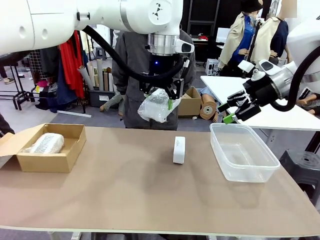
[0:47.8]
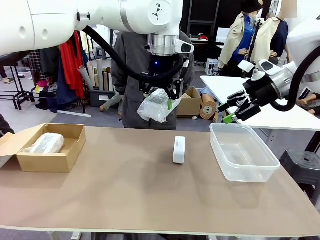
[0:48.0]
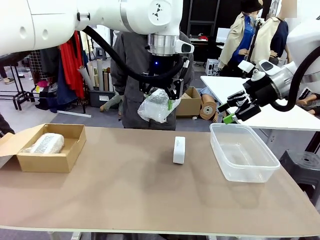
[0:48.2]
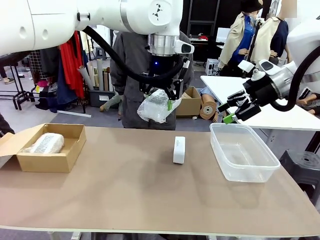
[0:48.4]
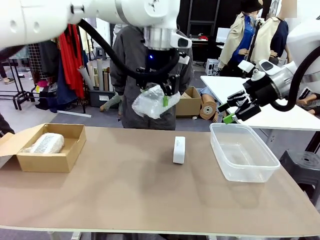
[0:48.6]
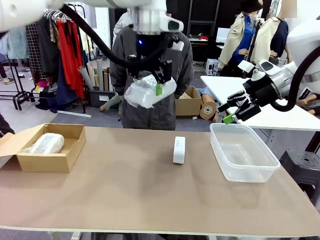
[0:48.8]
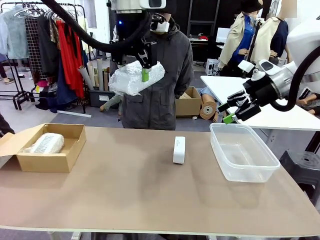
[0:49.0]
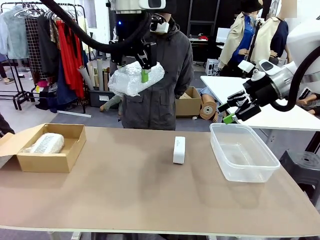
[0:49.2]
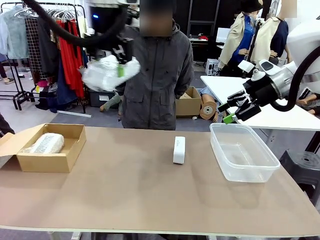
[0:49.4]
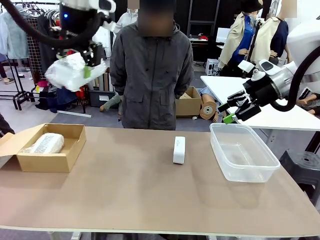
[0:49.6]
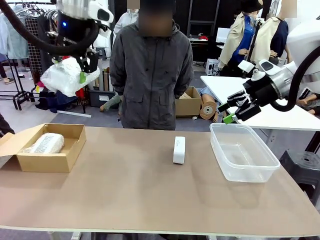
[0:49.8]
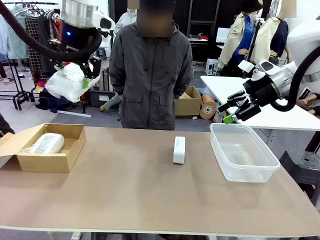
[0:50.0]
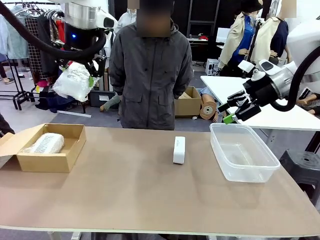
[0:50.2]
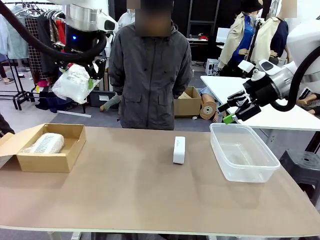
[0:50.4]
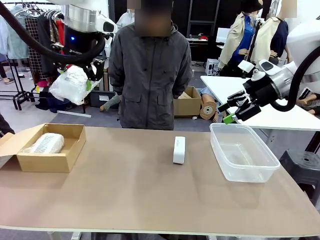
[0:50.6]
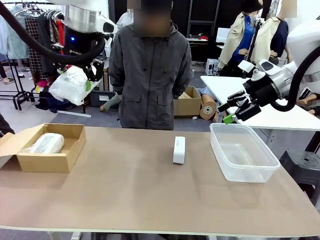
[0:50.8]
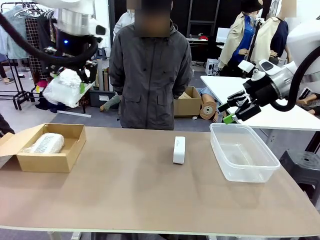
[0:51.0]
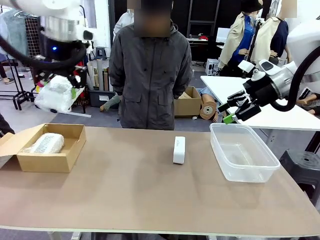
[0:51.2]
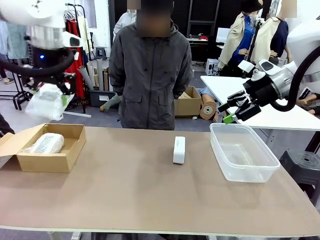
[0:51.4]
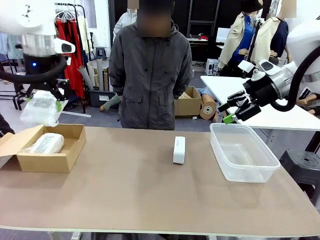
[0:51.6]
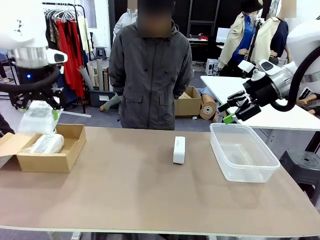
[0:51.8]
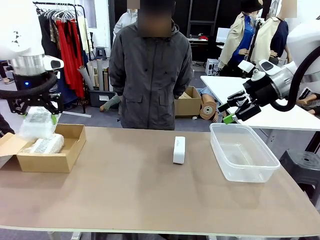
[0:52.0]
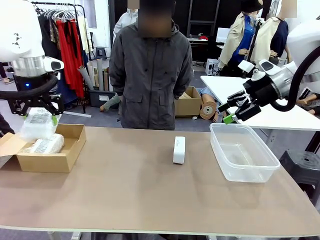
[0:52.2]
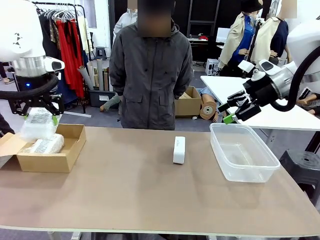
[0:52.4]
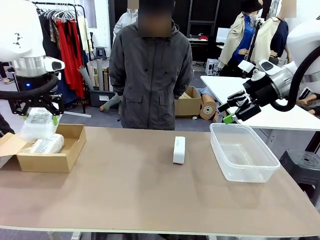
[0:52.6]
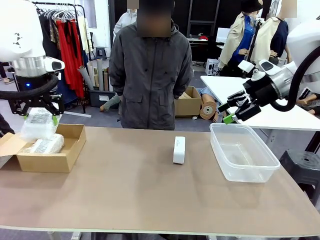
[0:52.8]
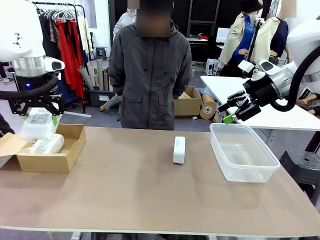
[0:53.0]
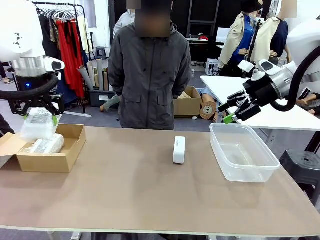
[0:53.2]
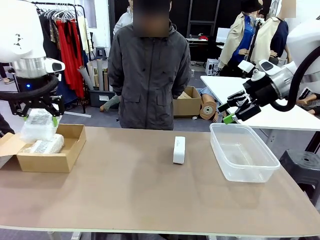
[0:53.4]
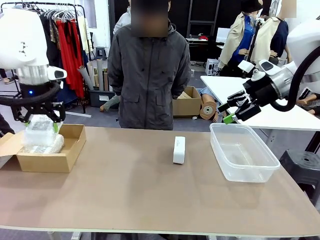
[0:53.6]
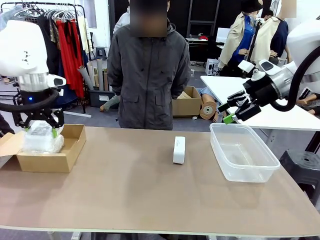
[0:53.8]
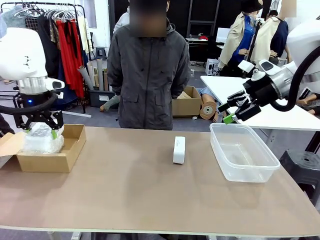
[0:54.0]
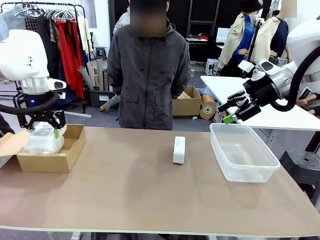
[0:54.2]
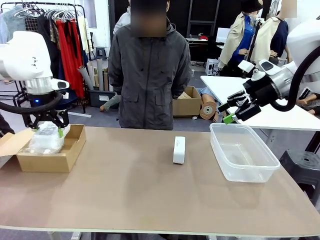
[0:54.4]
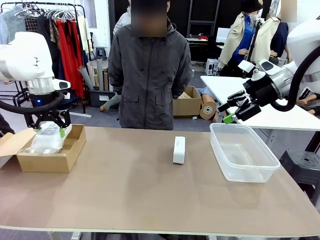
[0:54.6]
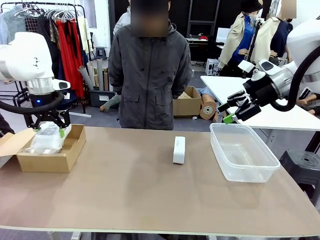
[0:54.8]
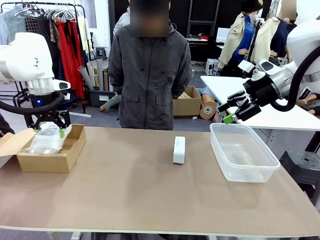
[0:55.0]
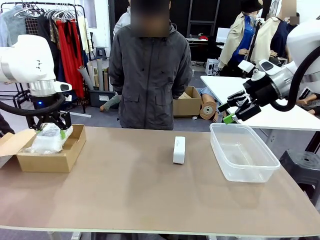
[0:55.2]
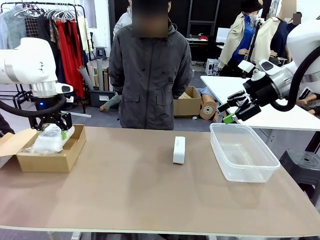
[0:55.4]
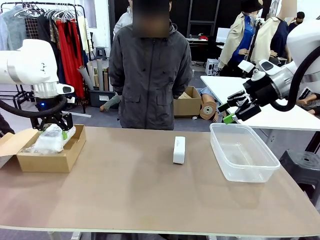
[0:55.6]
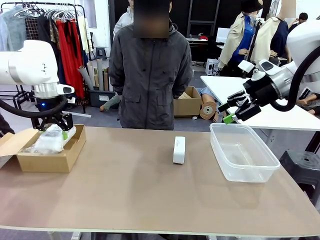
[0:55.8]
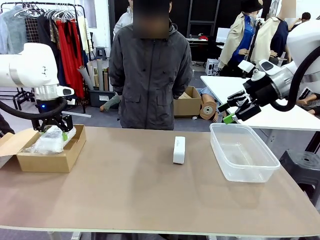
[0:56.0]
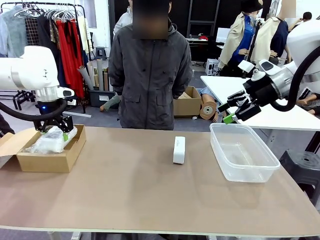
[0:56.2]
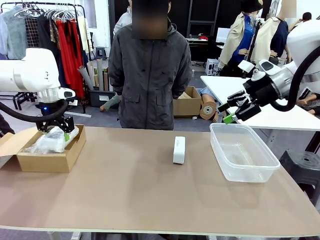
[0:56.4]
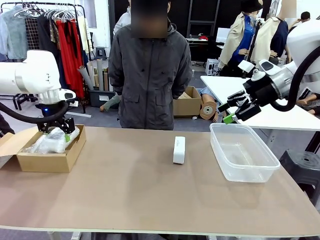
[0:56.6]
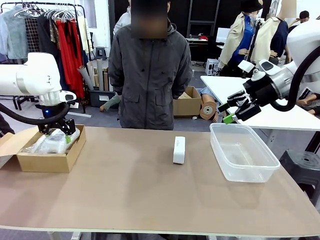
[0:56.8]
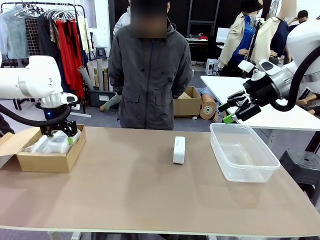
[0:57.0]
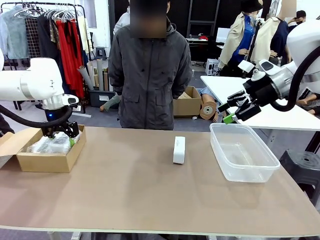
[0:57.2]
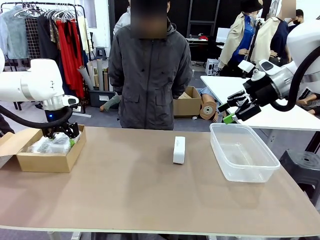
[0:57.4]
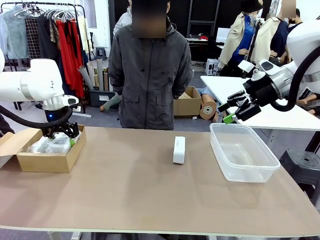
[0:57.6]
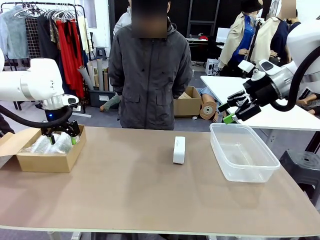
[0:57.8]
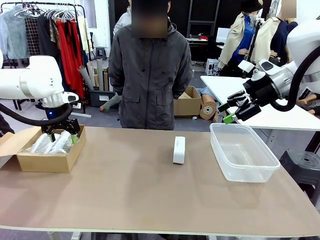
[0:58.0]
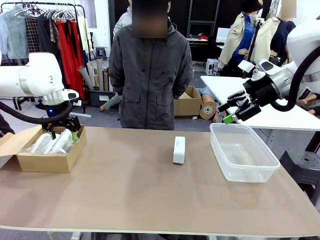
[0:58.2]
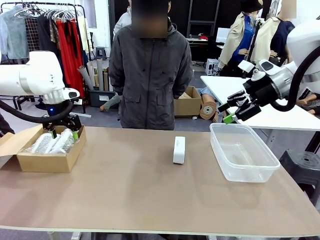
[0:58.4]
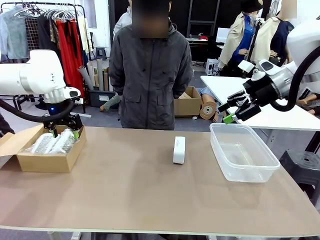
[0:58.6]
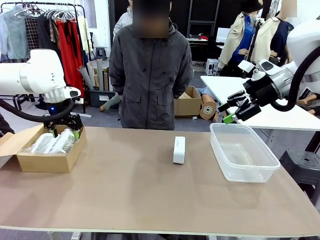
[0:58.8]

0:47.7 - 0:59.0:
Task: Separate and place wrapped and unwrapped clocks.
Robot: If the picked Digital clock is wrapped, place it in the Package Box ; if not, place it in the Organizing box.

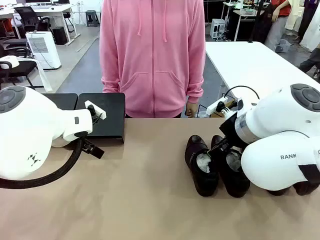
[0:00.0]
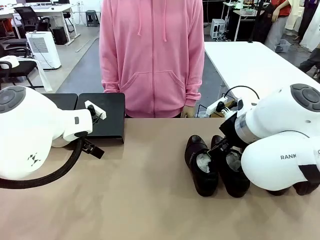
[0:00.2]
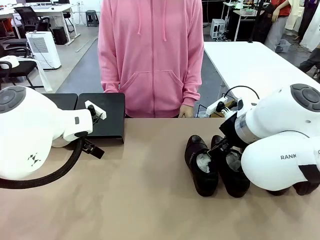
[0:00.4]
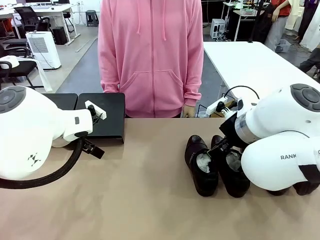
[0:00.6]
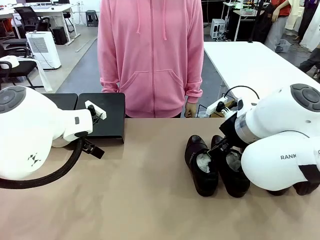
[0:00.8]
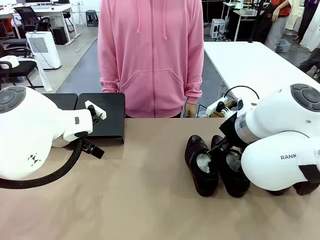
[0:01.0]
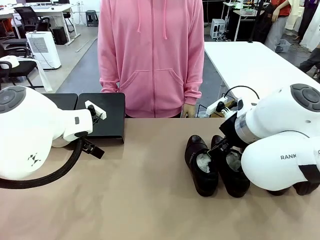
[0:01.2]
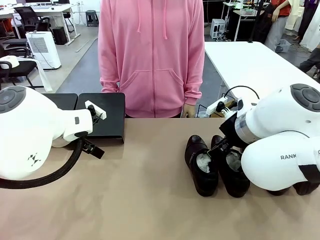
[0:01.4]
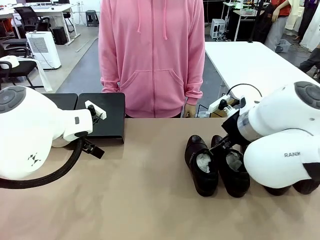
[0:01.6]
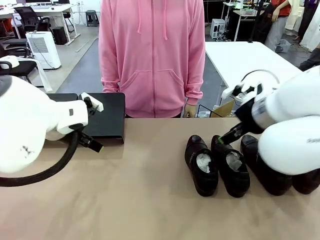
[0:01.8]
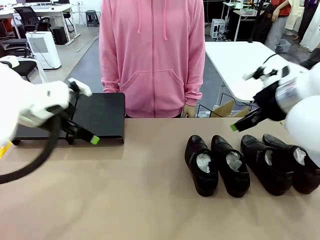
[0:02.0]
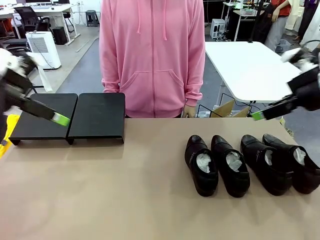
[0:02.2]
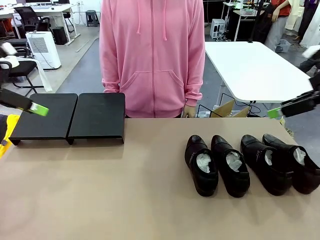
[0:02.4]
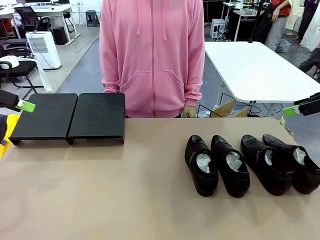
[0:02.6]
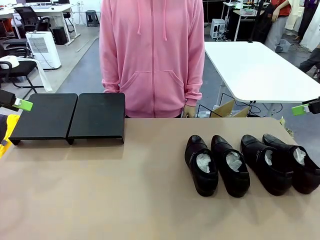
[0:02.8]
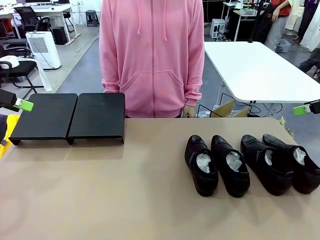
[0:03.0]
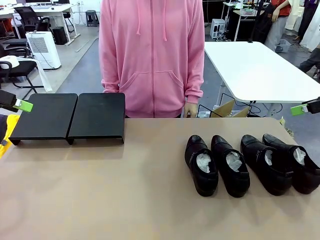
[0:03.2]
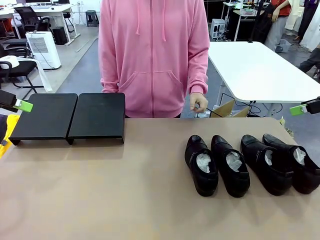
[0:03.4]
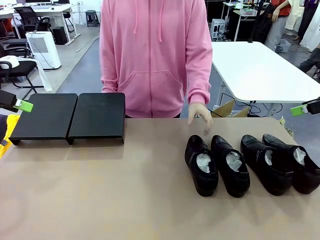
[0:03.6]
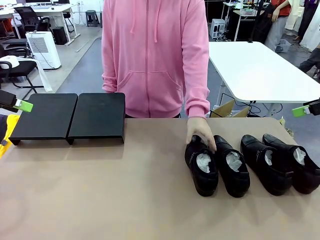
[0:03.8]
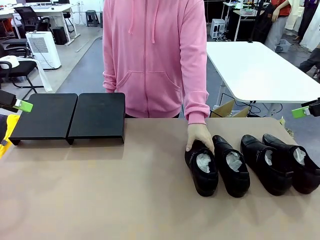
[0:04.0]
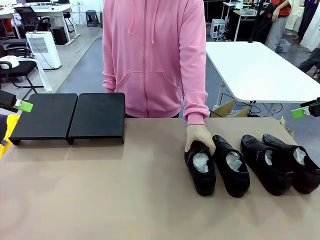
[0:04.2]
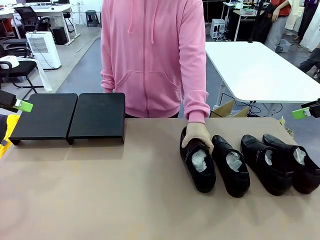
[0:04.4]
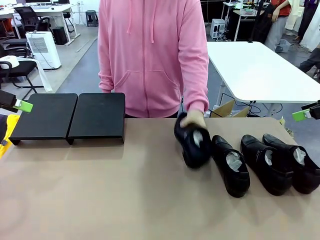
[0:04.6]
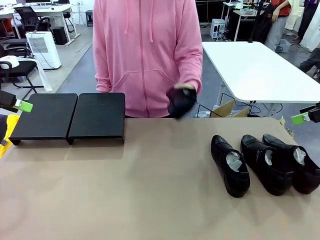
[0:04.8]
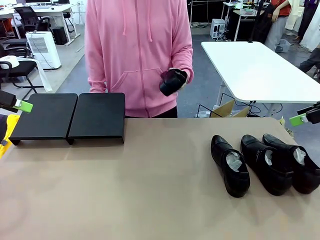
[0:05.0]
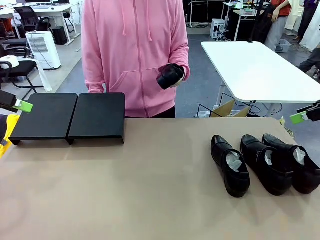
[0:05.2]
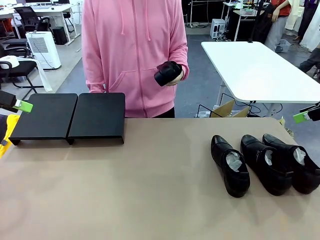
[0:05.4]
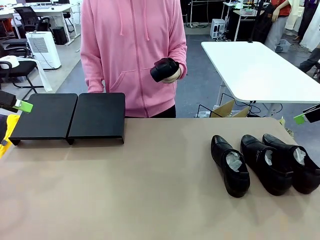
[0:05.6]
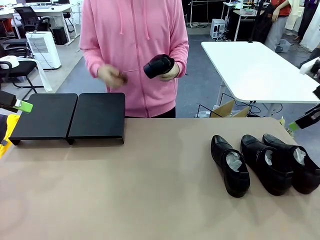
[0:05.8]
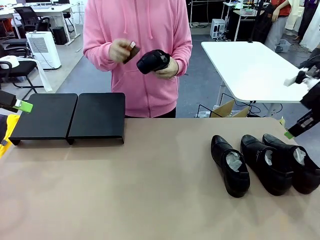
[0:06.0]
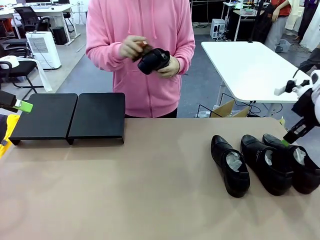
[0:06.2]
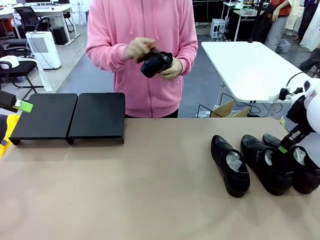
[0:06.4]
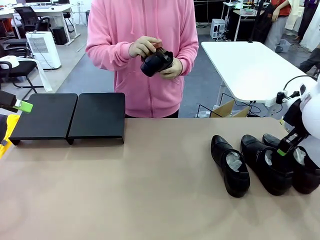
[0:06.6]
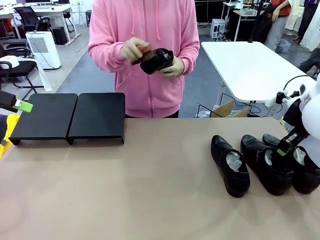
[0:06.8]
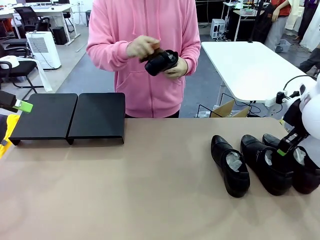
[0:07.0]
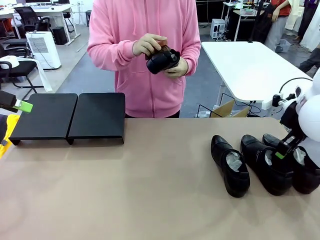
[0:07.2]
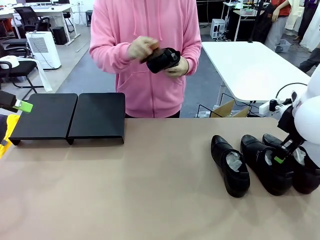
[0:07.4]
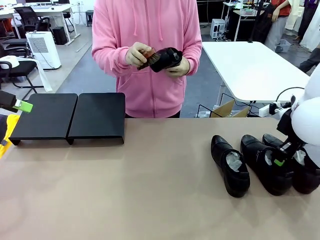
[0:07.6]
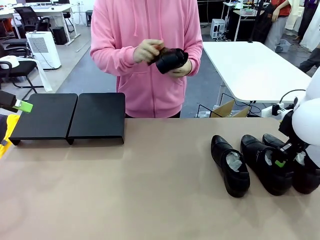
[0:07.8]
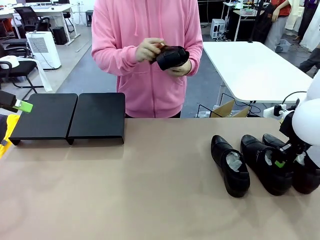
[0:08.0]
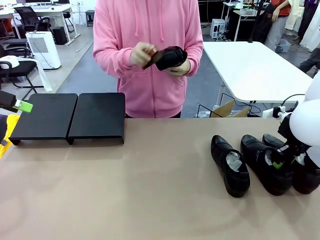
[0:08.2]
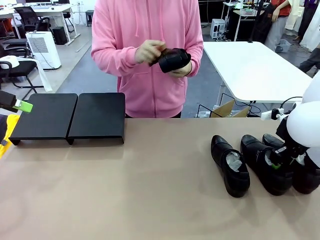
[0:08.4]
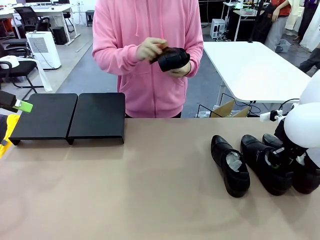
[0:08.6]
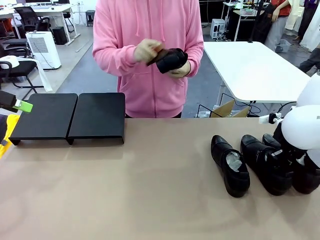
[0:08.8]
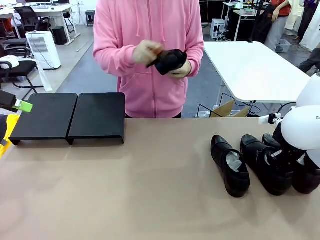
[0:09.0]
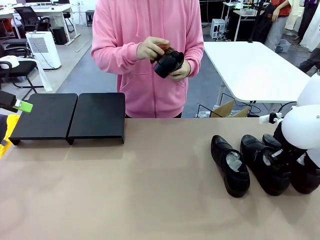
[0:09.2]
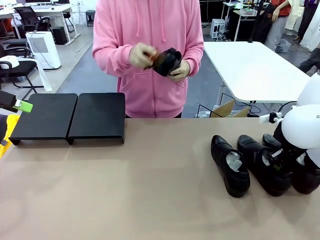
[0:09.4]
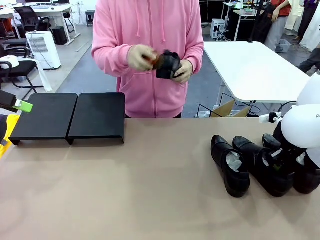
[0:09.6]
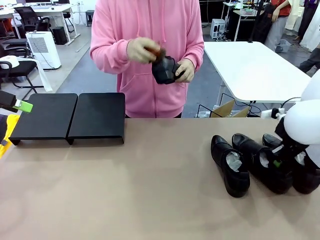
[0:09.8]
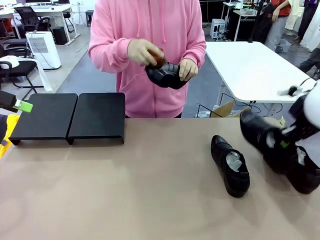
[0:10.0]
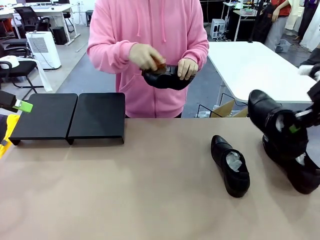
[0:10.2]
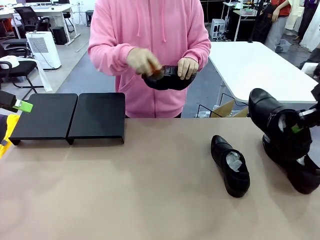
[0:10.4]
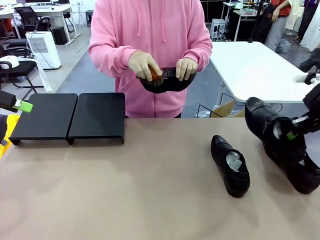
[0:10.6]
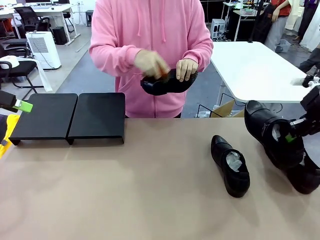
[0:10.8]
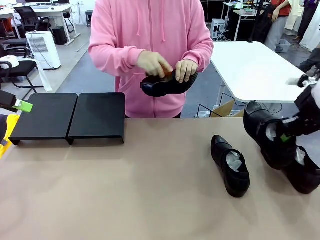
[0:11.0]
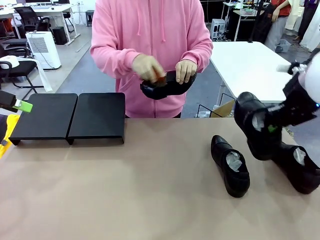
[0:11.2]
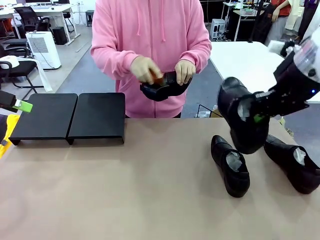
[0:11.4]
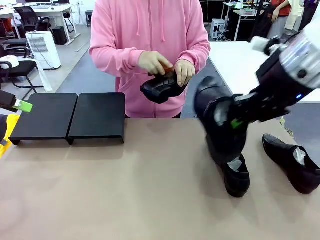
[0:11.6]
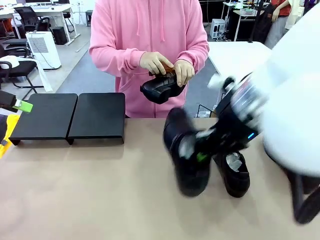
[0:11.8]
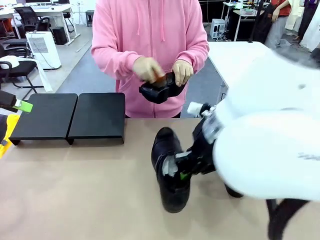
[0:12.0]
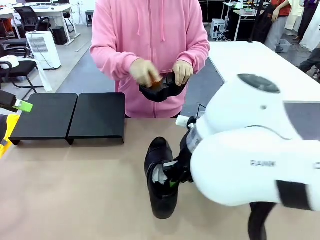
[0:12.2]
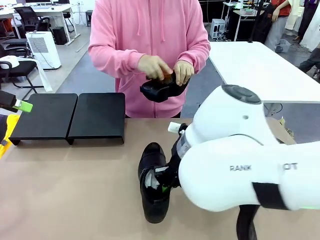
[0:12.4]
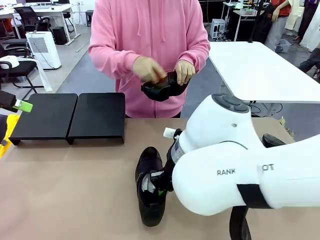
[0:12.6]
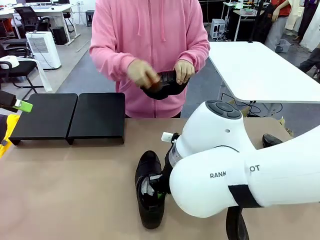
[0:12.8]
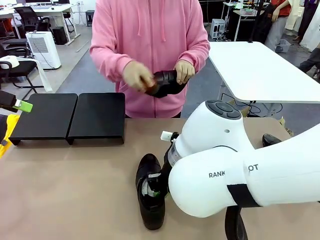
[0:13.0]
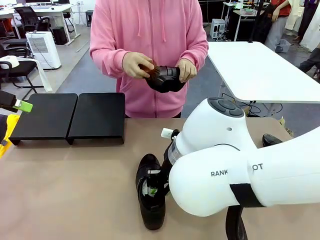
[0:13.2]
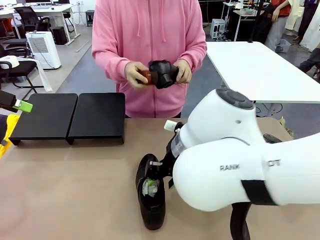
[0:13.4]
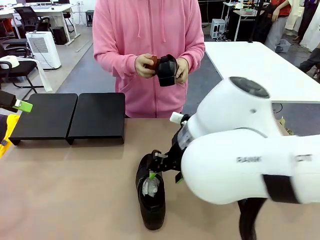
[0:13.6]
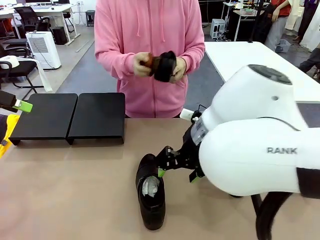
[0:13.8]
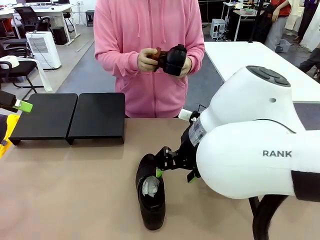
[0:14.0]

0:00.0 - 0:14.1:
Task: Organize the shoes by placing them on the stand.
Robot: Pick up one Shoe and place it in the middle of the table.
Person: Pick one Shoe on Robot's table. Clean the Shoe with the Shoe Brush.
